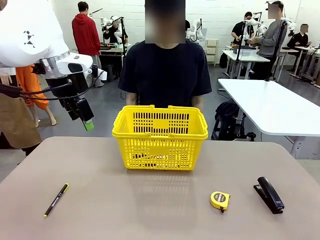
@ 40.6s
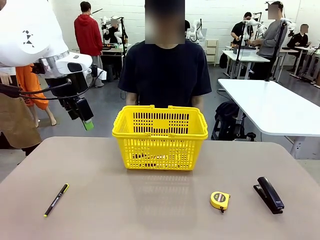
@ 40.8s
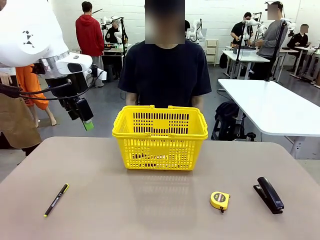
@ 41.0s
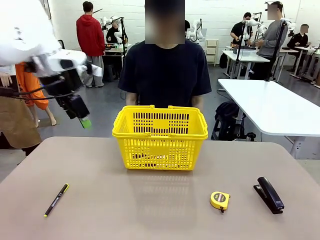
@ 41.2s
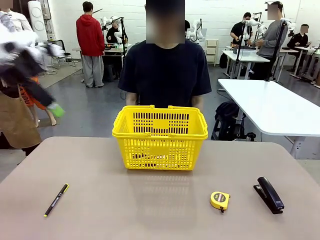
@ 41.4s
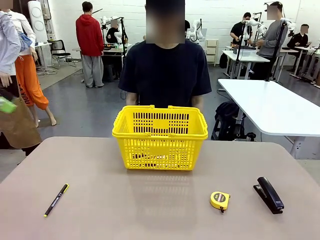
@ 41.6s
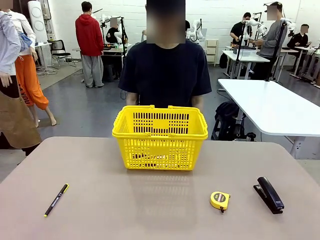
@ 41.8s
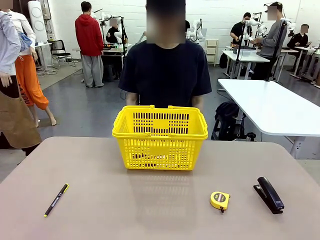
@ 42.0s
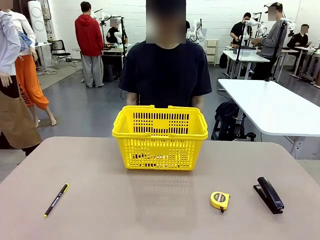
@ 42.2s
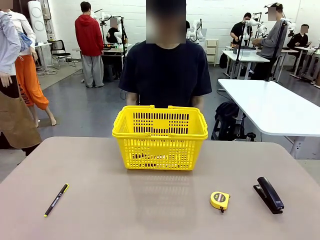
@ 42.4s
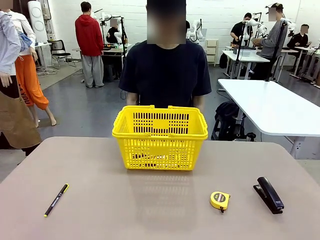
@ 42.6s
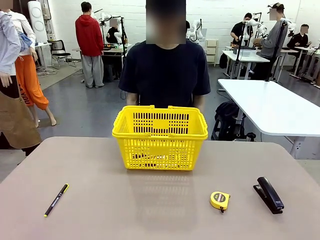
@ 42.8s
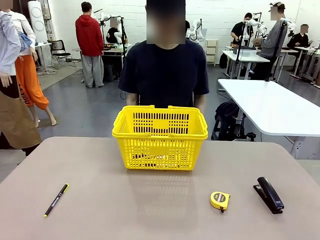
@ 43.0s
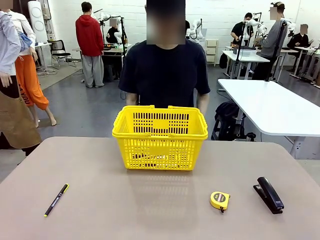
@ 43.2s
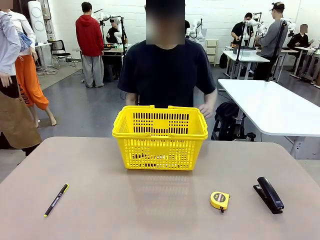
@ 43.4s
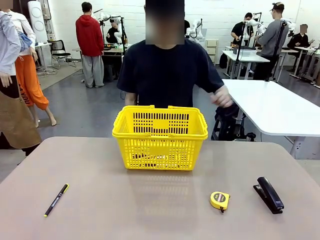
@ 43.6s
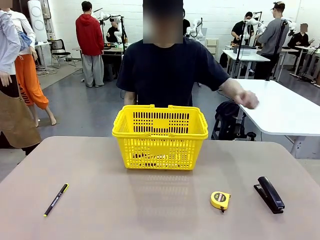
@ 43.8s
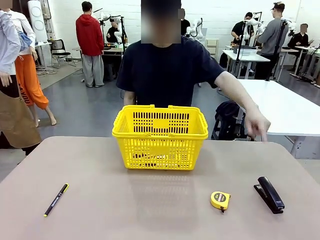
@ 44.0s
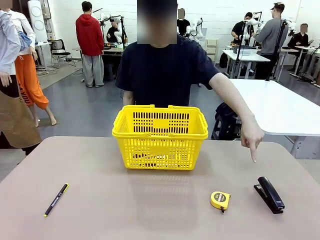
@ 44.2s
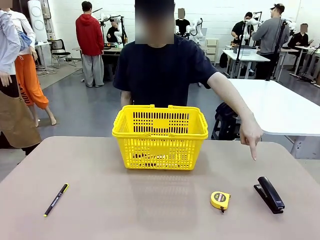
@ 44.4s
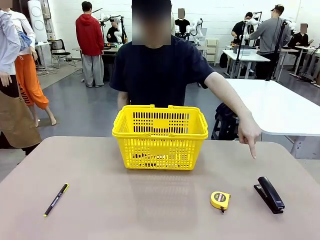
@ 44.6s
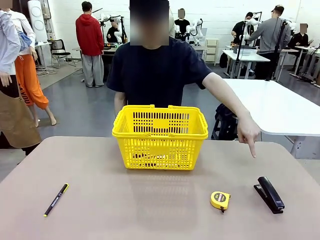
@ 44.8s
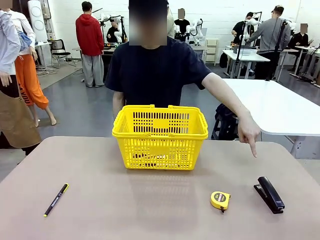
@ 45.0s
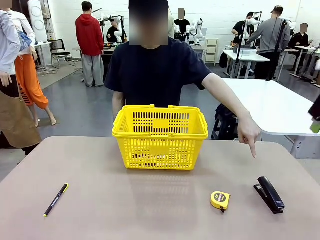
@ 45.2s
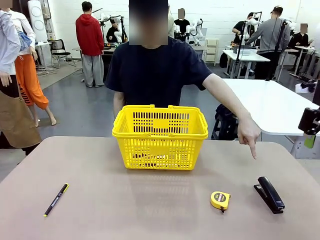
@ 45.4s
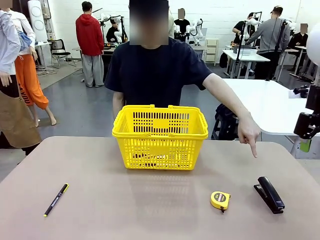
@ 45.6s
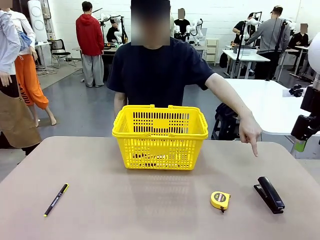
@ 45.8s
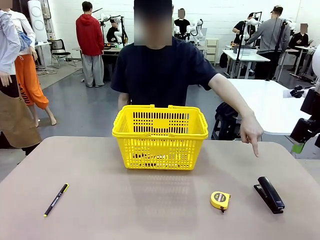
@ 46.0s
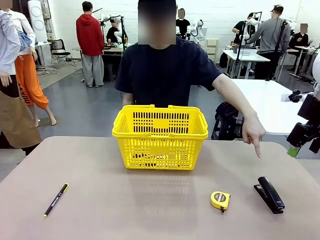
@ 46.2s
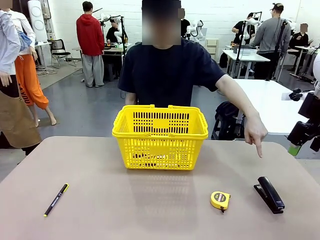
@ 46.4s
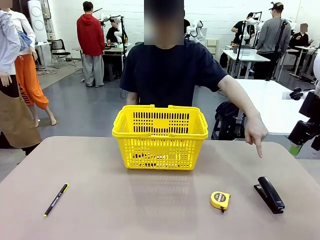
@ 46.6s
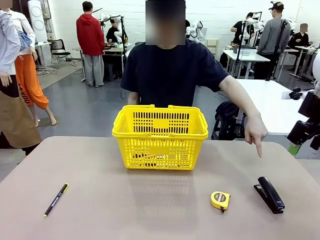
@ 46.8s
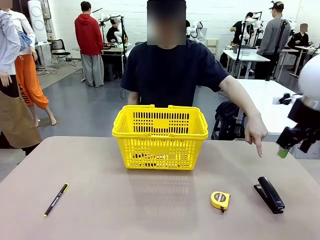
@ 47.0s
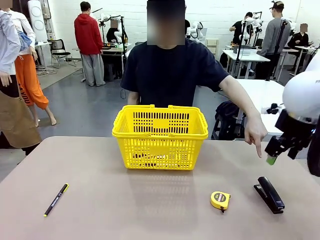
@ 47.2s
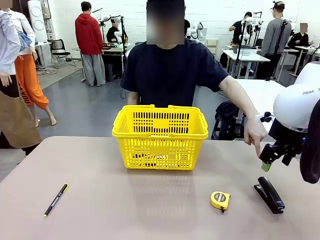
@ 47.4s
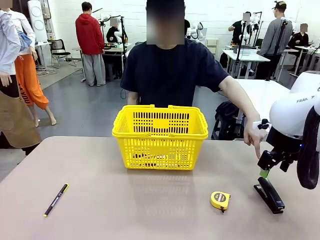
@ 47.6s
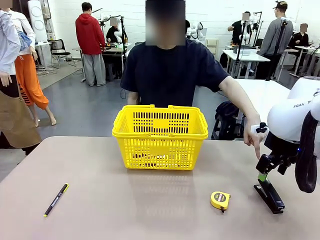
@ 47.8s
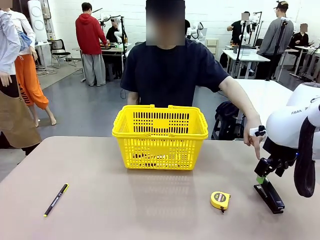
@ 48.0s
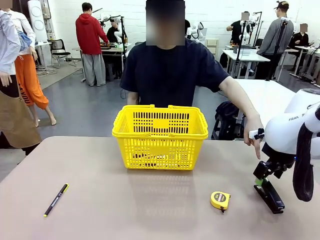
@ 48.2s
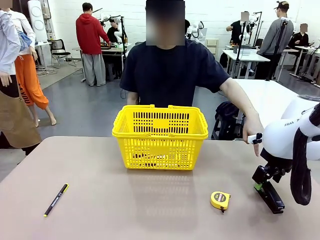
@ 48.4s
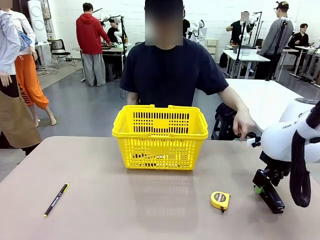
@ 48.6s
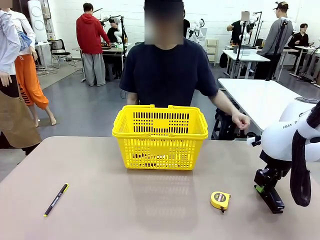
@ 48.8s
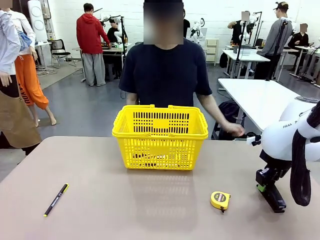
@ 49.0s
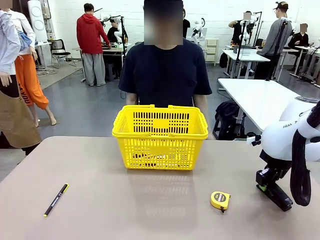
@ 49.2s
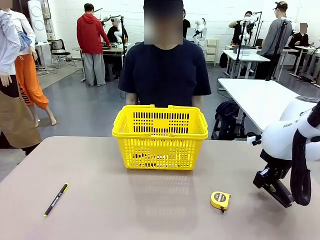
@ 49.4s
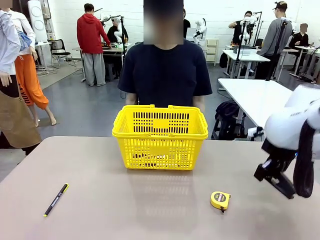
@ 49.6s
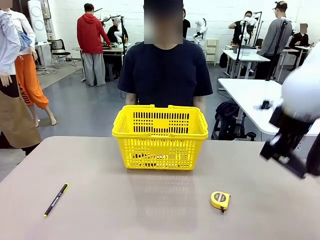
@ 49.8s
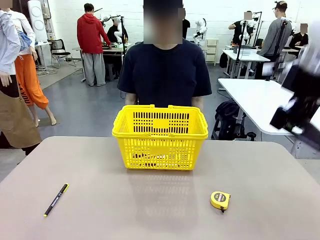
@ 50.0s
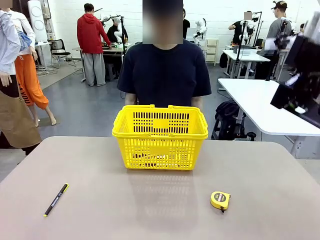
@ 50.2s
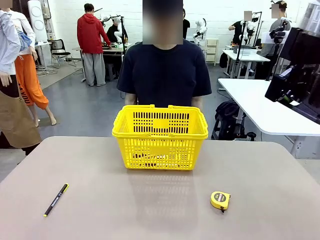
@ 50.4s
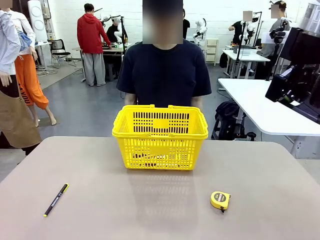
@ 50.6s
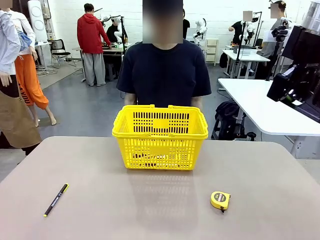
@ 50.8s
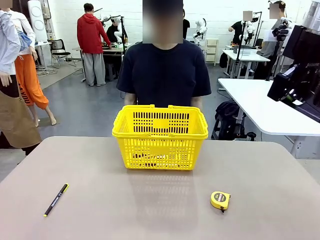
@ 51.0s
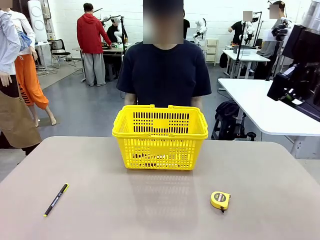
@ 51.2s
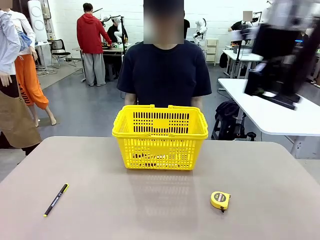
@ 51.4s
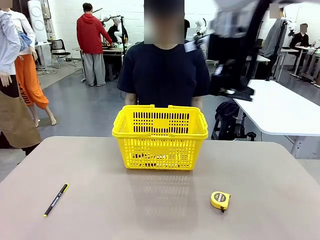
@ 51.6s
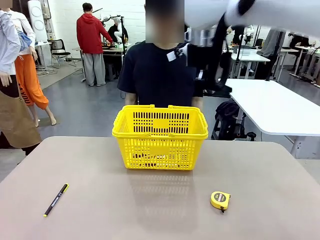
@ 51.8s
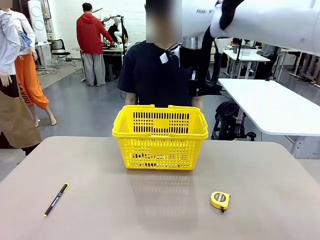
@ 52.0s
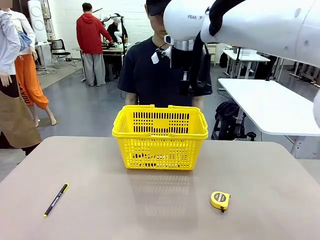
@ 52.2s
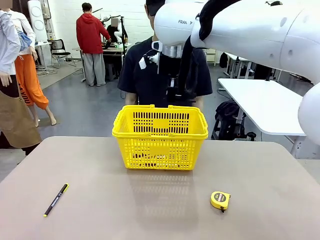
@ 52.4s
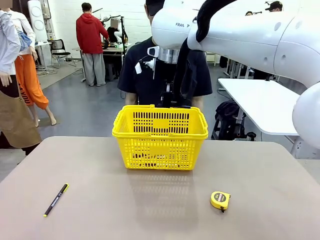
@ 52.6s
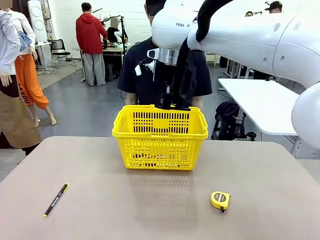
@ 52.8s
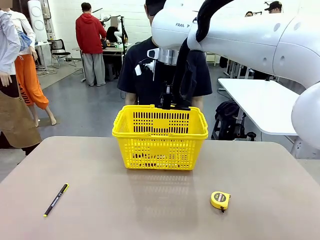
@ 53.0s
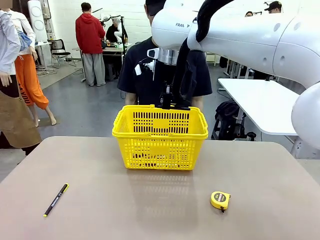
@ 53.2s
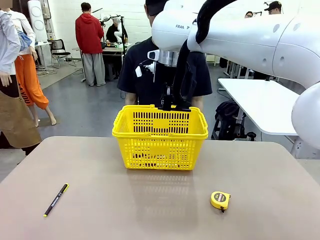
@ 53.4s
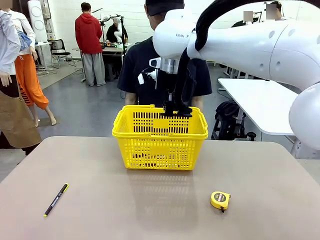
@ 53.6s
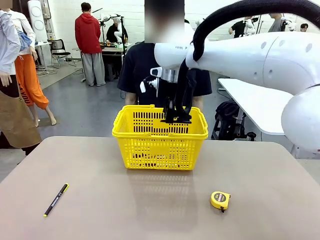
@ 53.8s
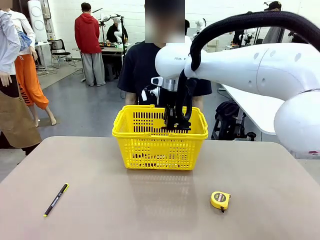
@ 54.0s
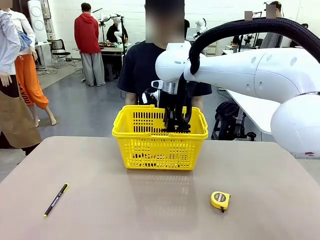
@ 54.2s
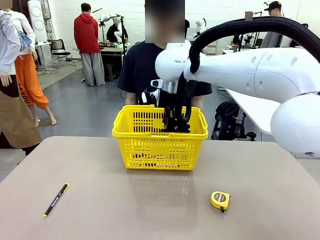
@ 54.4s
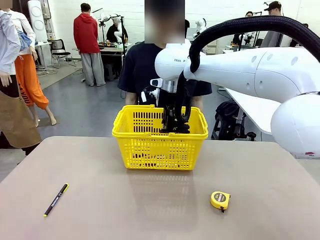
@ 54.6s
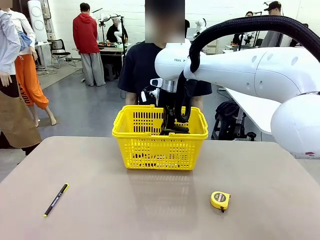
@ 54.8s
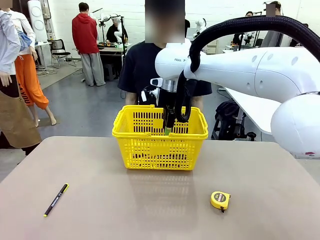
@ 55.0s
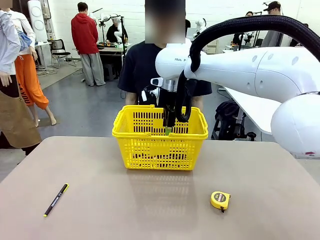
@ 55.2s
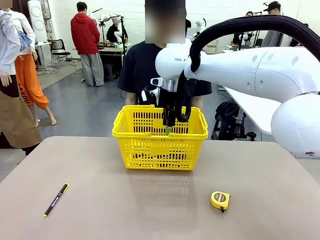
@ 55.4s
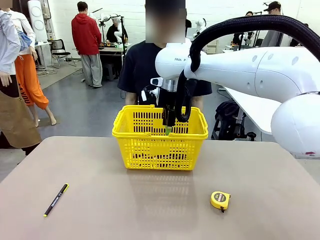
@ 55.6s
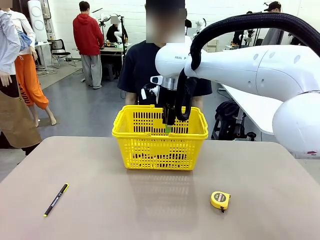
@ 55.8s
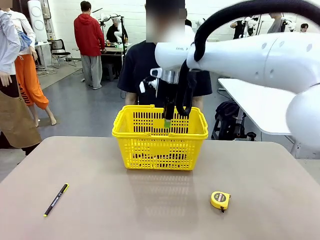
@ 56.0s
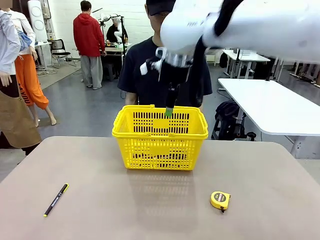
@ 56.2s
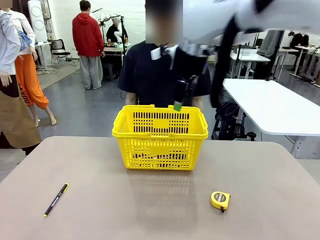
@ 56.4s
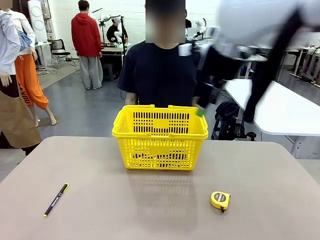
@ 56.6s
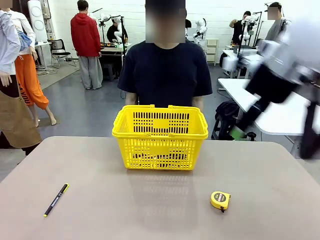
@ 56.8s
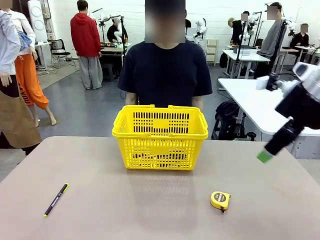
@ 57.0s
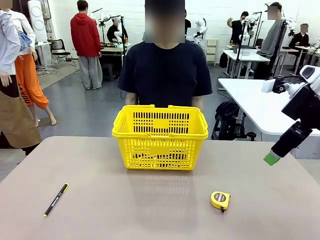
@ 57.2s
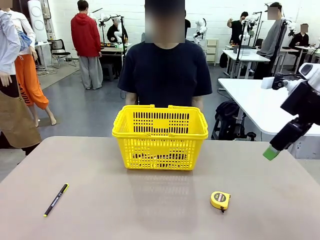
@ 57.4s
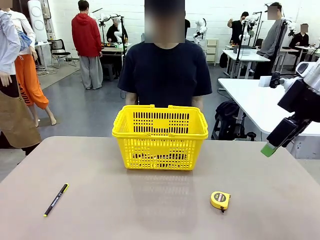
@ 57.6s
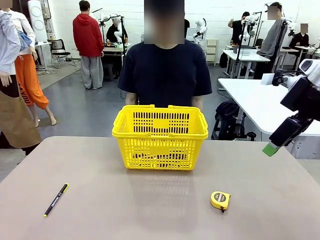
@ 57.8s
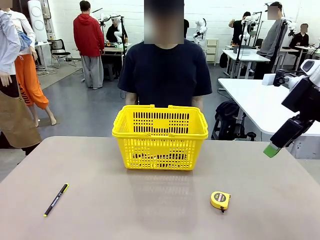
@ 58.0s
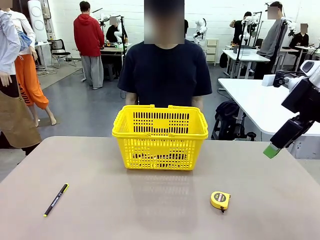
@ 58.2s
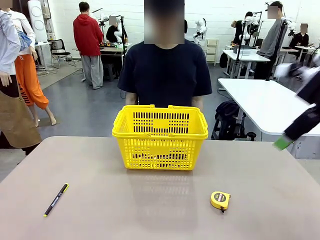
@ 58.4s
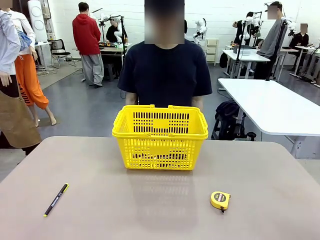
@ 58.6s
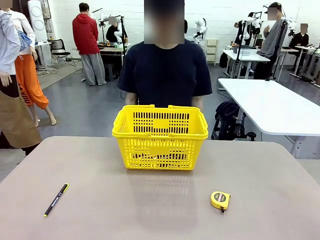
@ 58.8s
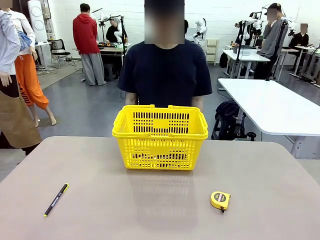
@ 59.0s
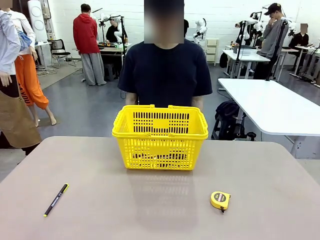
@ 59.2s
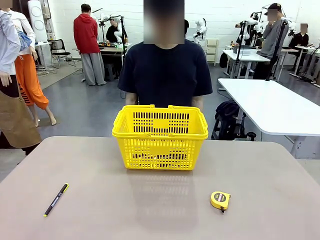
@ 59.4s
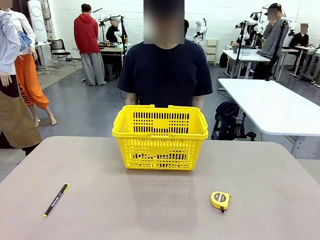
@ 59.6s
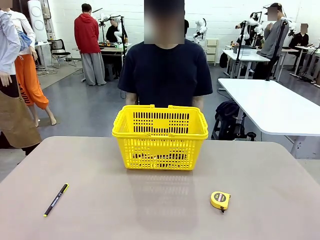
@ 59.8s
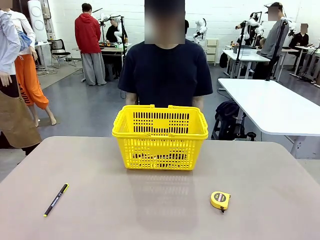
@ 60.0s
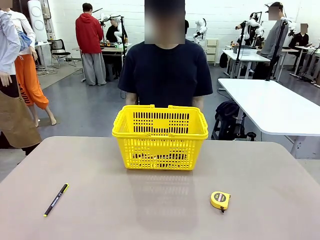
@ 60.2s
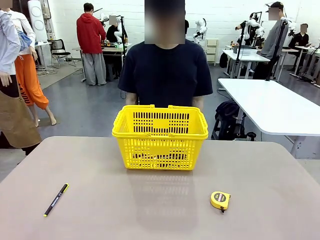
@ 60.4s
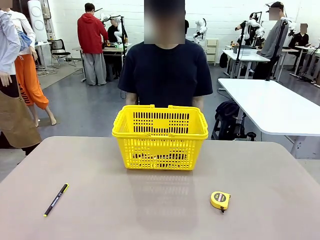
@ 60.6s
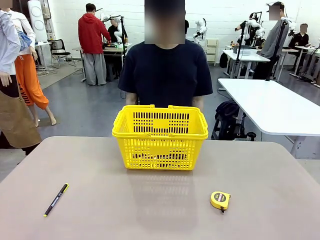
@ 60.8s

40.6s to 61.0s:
Task: Place the items the person wants into the basket.
Robot: Pick up the item the person points to and place it in the Market Basket.
